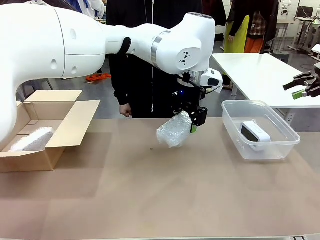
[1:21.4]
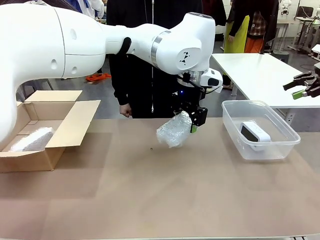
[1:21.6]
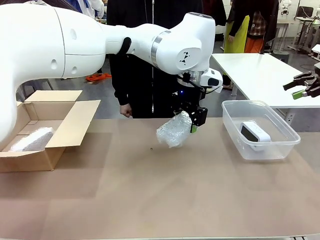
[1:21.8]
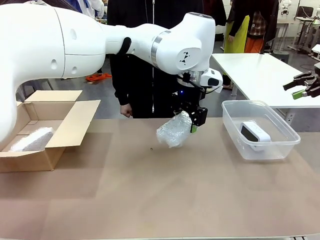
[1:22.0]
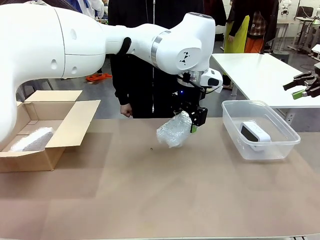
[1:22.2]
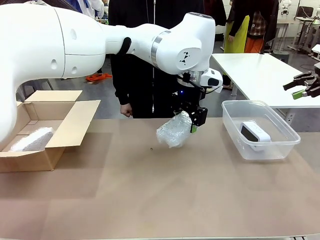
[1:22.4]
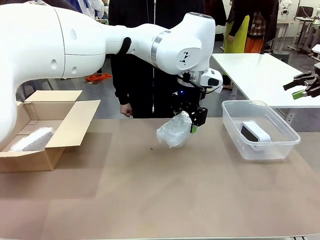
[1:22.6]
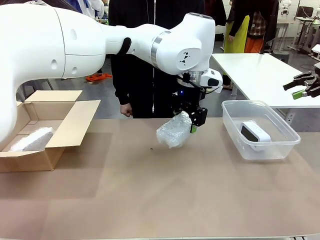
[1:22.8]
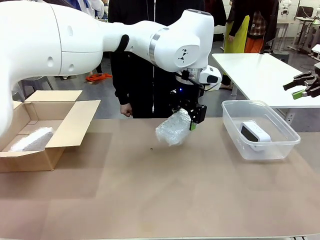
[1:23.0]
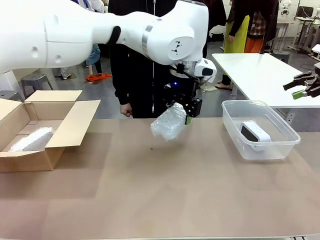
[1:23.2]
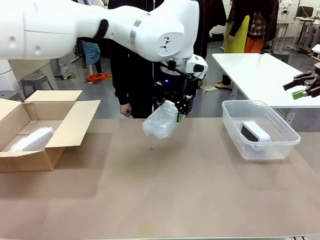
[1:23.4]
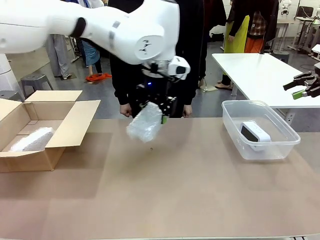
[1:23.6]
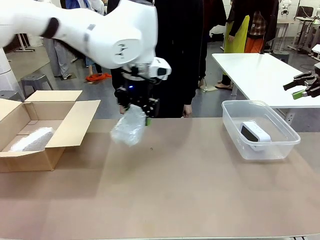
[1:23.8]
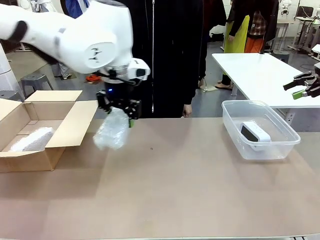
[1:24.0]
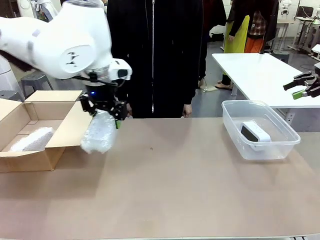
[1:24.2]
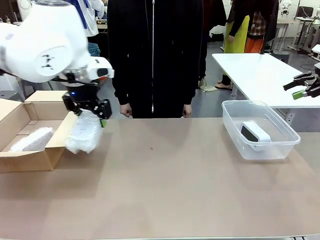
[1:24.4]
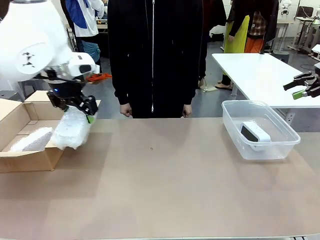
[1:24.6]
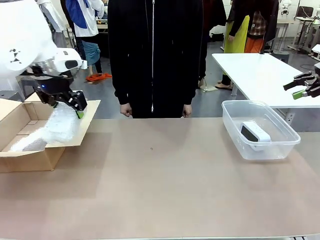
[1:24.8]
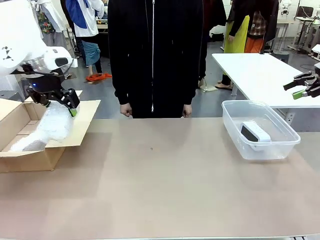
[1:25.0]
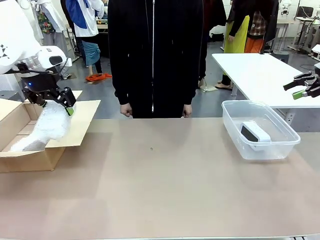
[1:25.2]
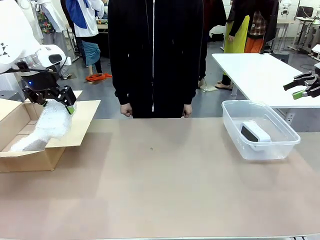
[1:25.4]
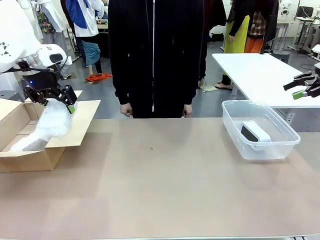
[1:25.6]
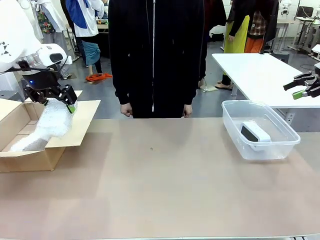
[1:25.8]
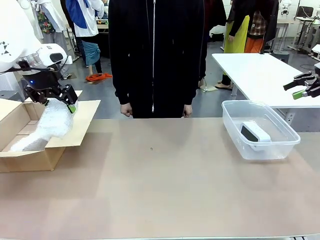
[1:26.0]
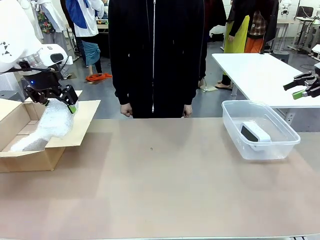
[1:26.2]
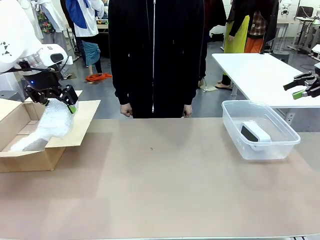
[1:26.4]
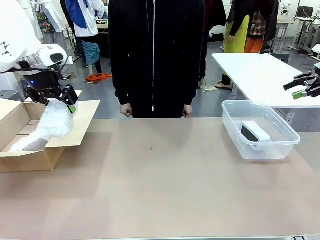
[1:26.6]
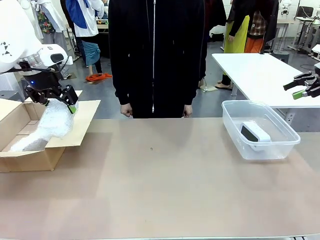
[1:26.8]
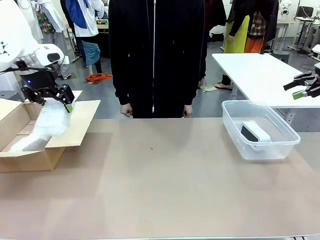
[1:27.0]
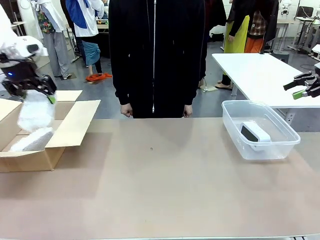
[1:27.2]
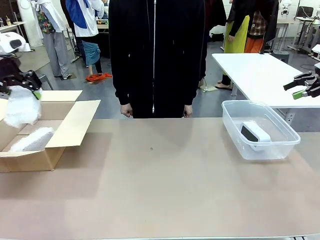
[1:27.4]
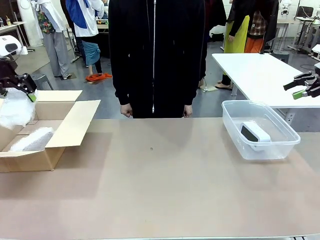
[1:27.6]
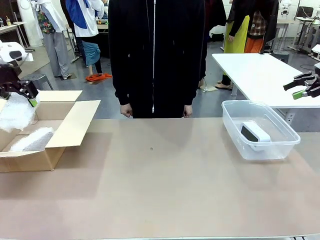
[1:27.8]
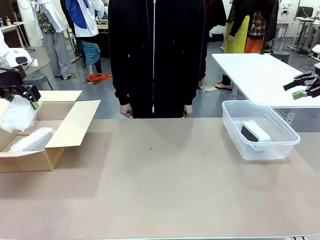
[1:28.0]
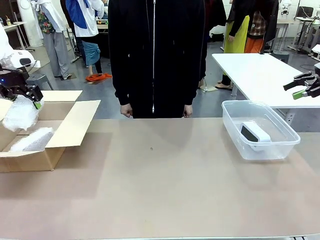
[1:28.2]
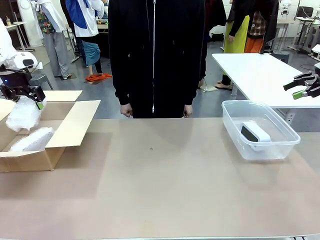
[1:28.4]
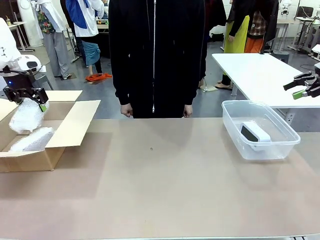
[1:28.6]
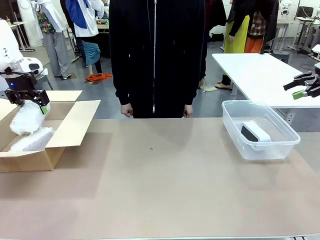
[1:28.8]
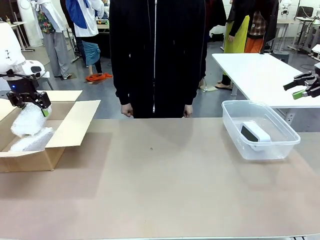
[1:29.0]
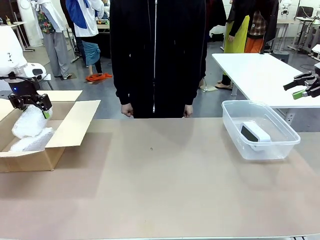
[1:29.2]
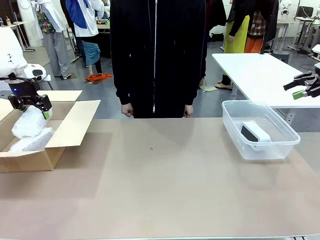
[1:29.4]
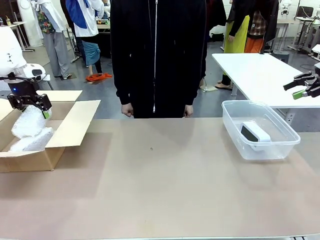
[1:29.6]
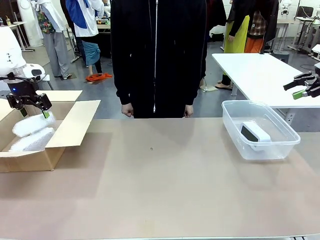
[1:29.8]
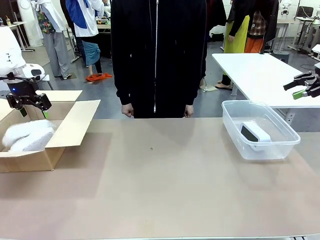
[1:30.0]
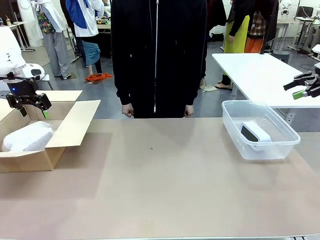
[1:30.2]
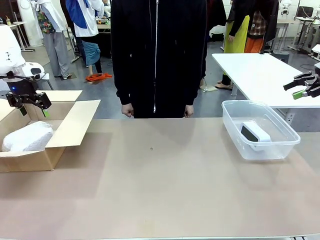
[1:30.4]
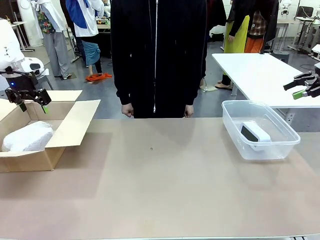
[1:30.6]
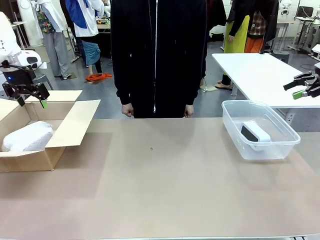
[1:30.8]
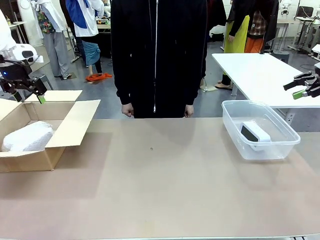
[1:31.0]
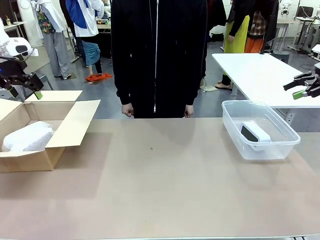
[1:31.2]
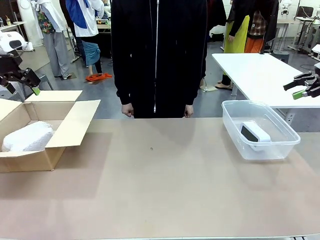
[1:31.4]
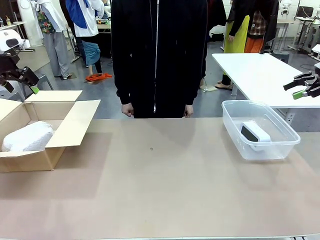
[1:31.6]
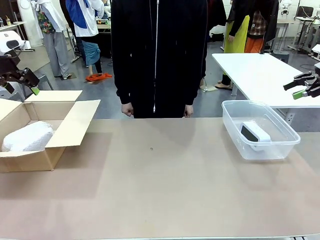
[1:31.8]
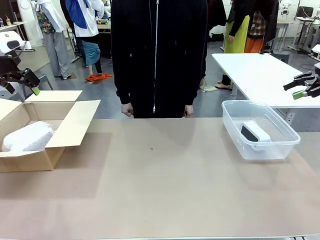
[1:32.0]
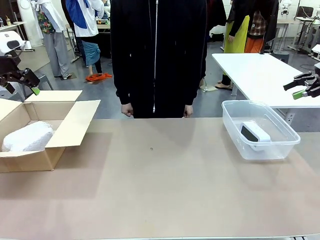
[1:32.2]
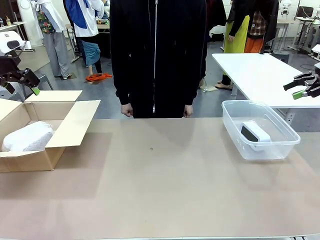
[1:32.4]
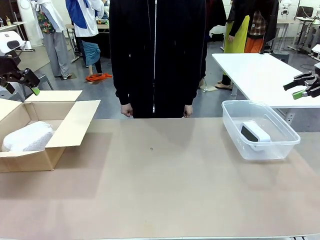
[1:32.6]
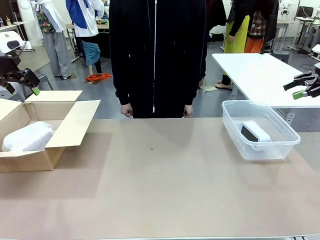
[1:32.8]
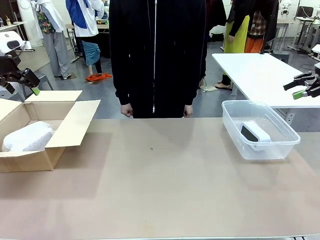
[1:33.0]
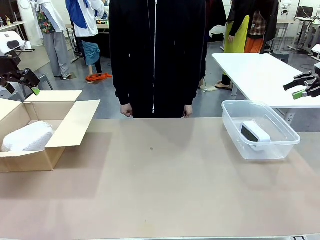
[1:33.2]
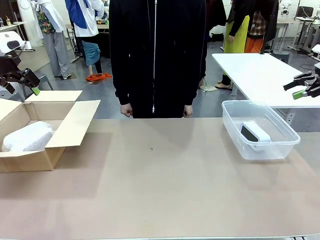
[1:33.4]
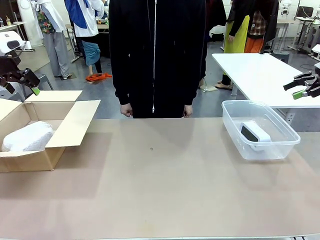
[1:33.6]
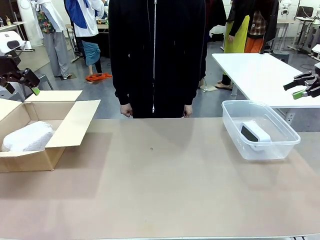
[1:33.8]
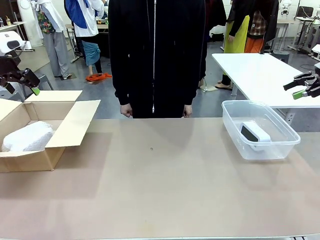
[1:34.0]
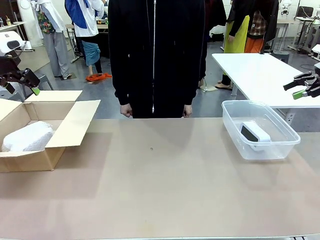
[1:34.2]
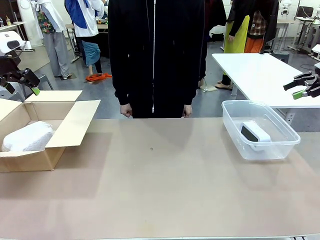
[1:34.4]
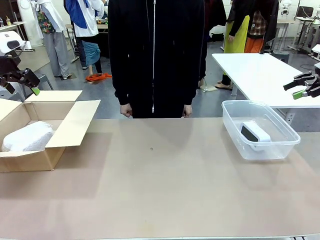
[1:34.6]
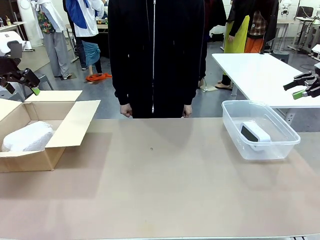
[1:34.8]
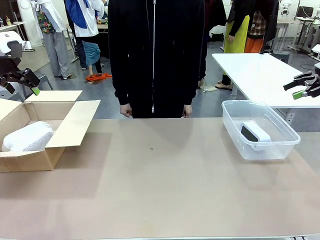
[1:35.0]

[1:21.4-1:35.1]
Task: Separate and place wrapped and unwrapped clocks.
Robot: If the picked Digital clock is wrapped, place it in the Package Box ; if not, place it in the Organizing box.

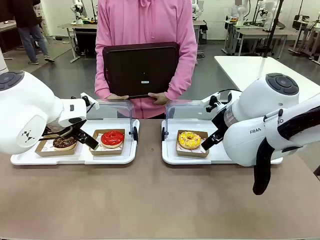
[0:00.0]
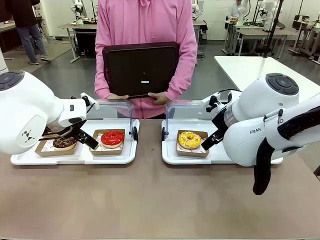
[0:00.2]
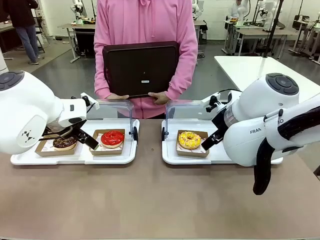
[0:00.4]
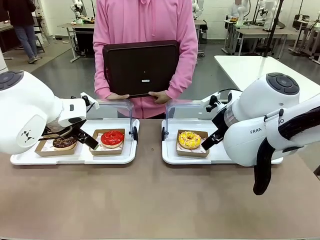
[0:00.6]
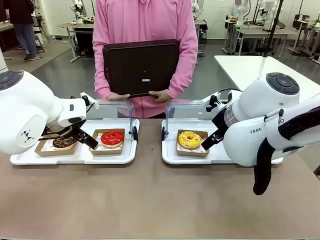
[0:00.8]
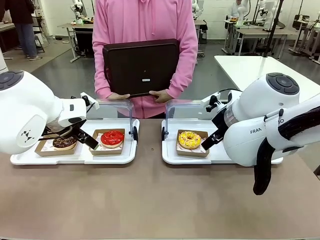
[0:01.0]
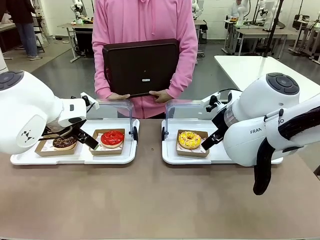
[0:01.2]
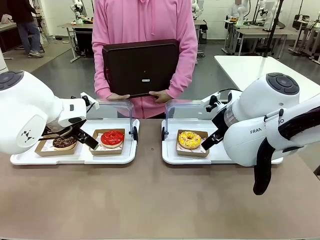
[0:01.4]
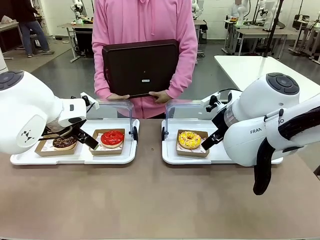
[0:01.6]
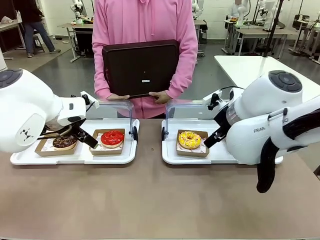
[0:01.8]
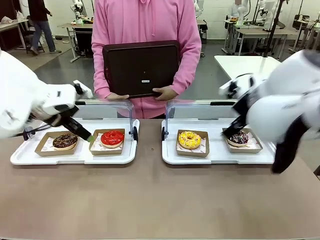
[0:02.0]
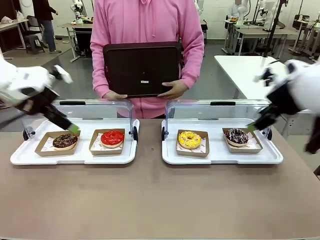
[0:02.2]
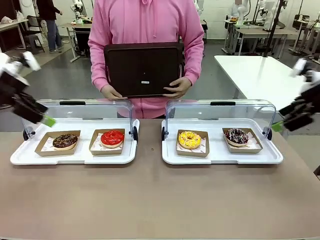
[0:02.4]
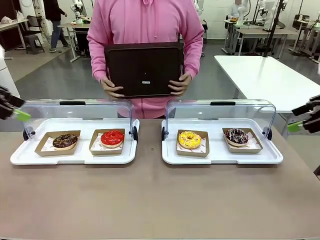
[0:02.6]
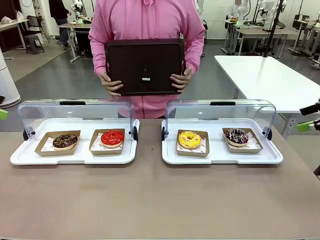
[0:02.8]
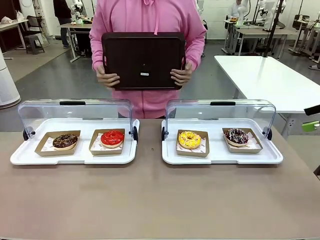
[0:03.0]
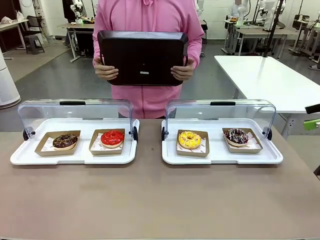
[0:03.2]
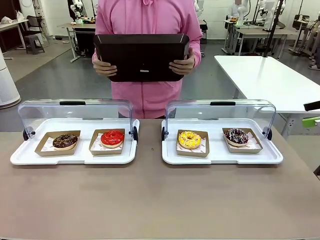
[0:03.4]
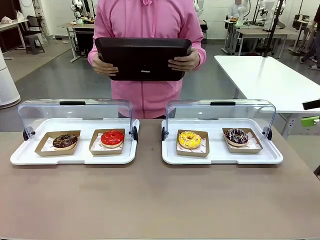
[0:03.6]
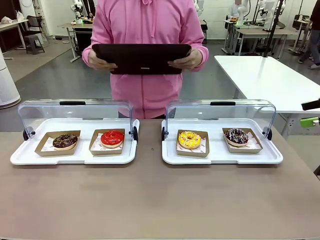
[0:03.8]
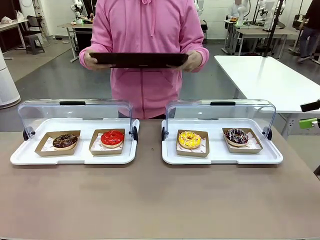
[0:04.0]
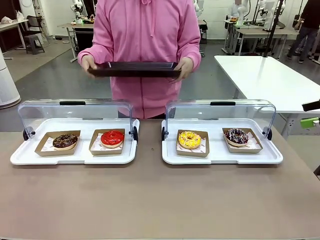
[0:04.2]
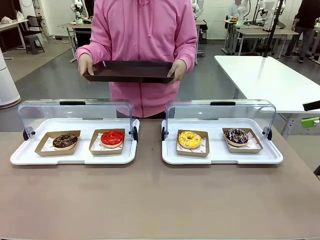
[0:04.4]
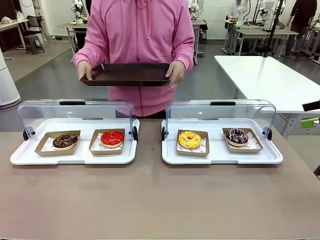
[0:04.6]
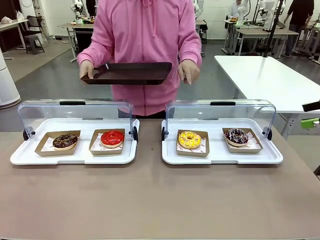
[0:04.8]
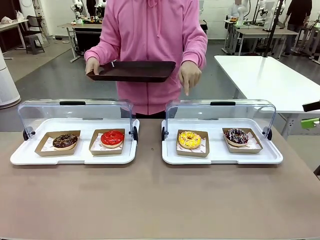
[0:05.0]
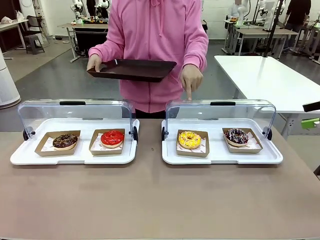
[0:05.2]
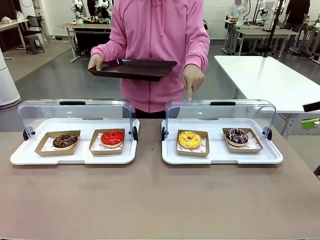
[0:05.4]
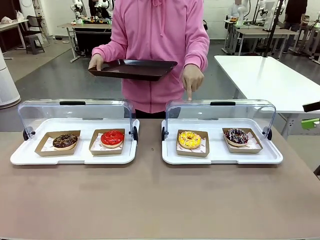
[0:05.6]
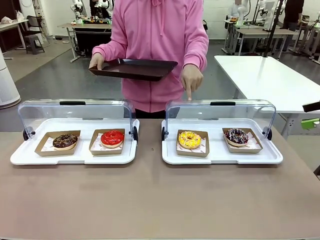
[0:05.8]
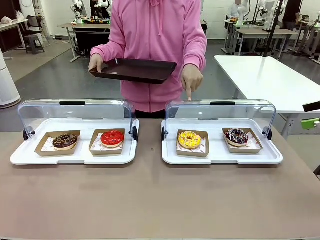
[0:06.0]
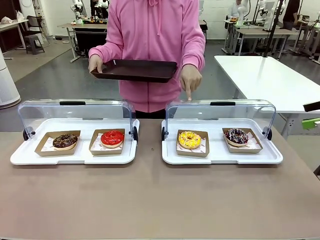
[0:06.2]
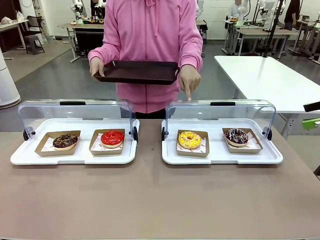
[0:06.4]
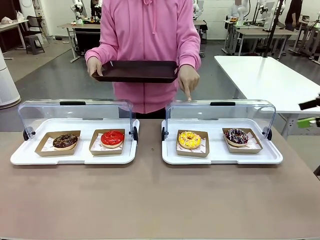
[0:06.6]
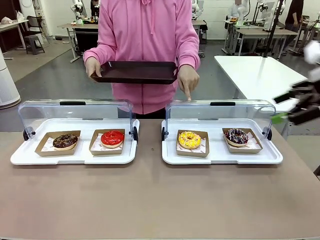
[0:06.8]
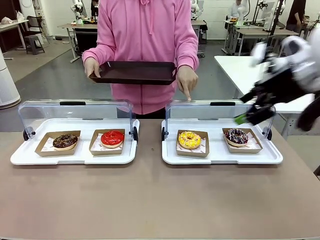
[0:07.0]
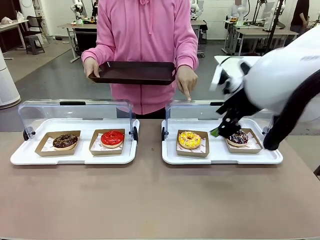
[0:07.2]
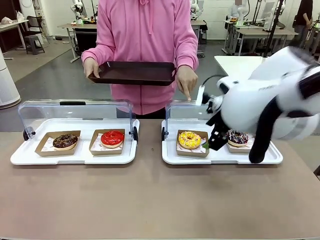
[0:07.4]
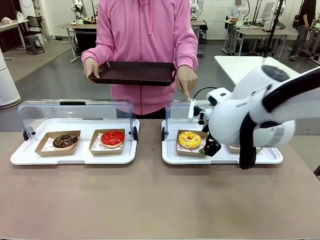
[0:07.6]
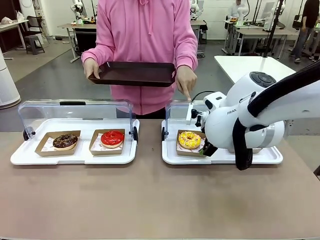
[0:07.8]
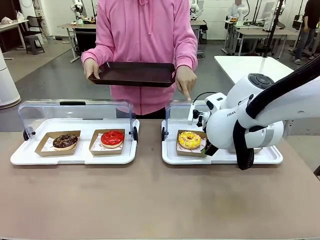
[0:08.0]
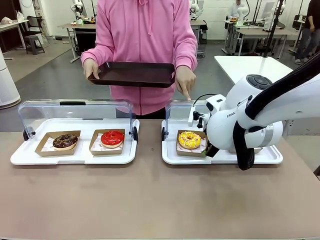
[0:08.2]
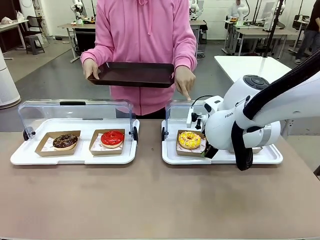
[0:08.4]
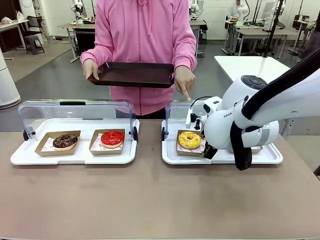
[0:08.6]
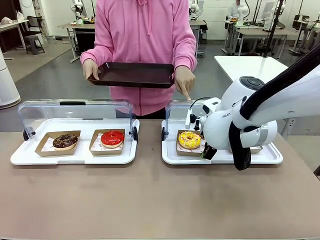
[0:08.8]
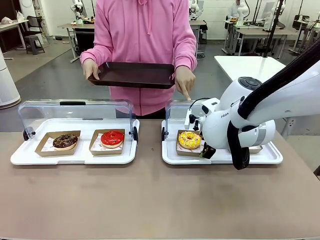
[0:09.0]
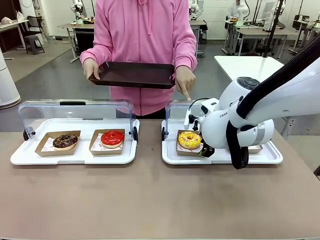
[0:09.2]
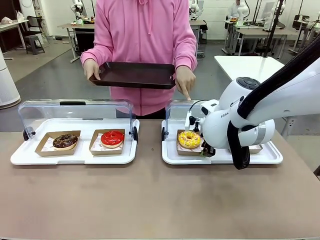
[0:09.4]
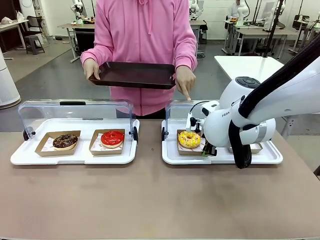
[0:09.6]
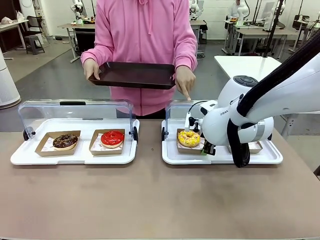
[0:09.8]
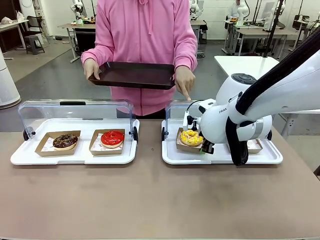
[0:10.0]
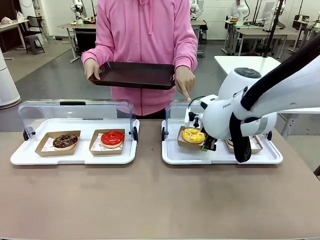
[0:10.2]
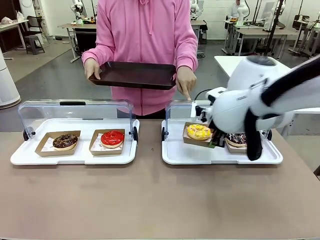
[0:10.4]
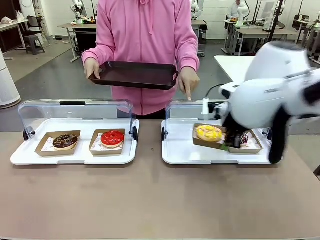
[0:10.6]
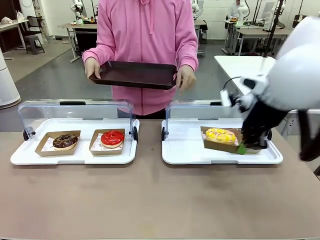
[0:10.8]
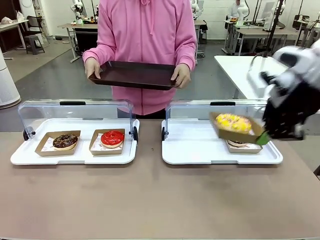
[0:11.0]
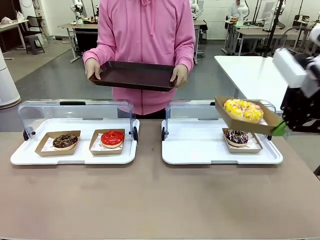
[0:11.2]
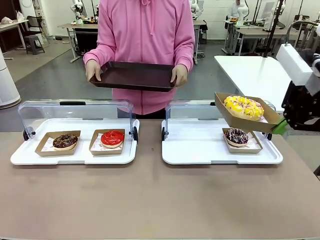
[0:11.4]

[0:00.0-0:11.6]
Task: Provide the desired donut to the person.
Robot: Pick up and lift the Paper togo box containing the Donut pointed at by the person.
Person: Point to one donut. Lift the tray onto the Roll-Top Bakery Case.
